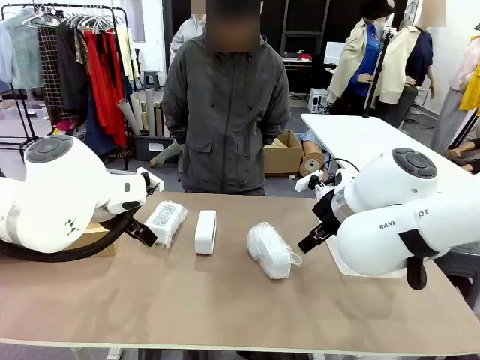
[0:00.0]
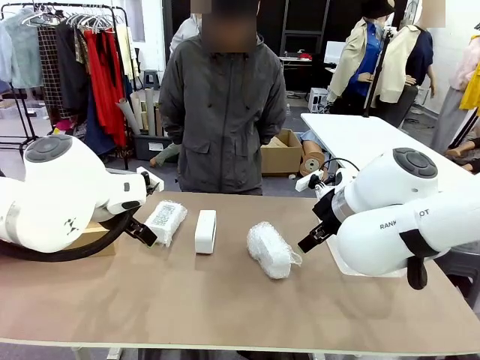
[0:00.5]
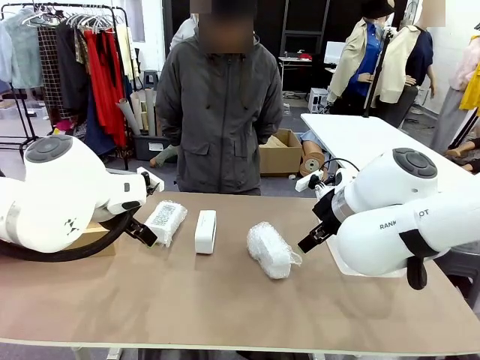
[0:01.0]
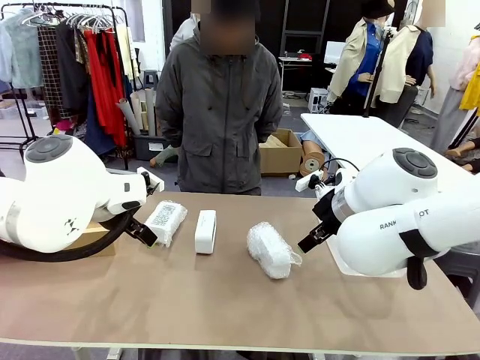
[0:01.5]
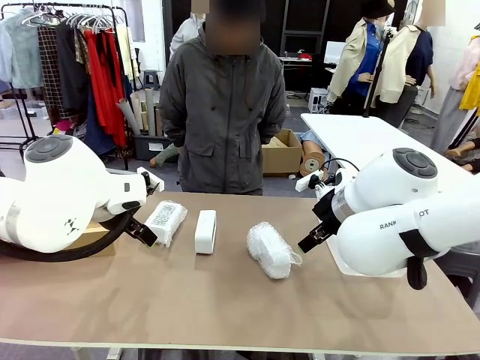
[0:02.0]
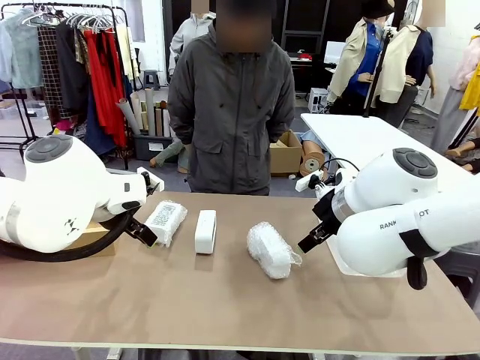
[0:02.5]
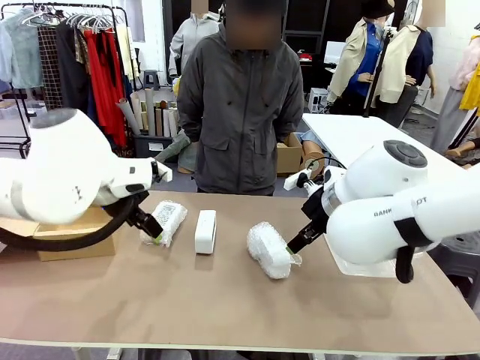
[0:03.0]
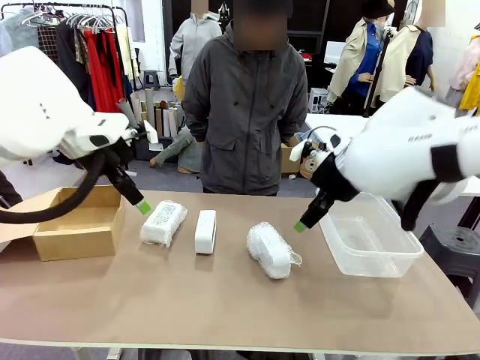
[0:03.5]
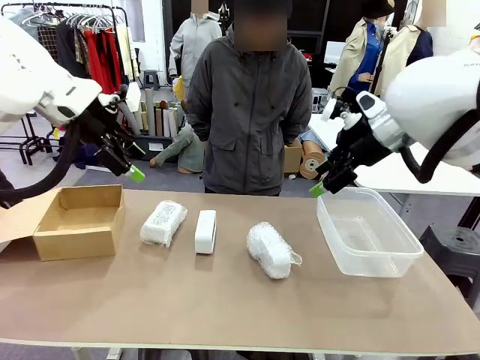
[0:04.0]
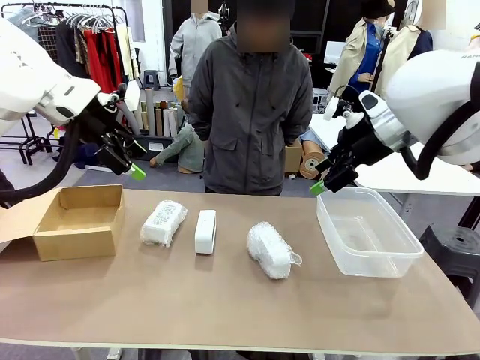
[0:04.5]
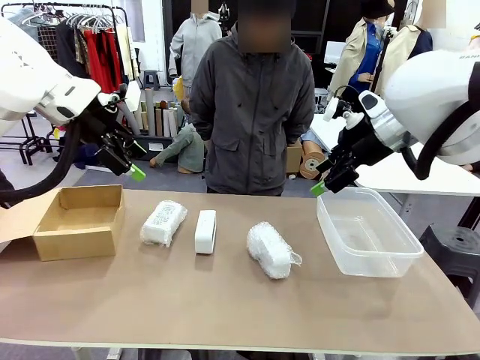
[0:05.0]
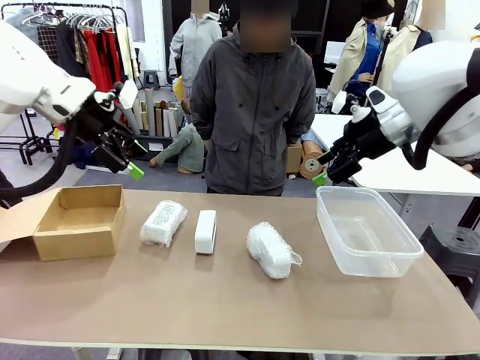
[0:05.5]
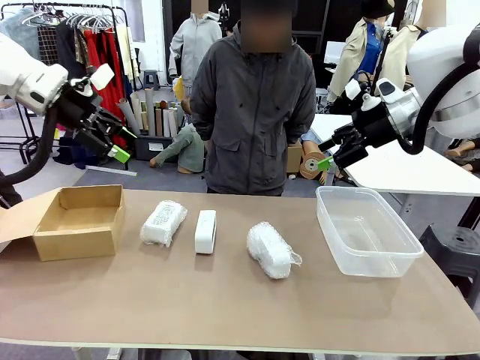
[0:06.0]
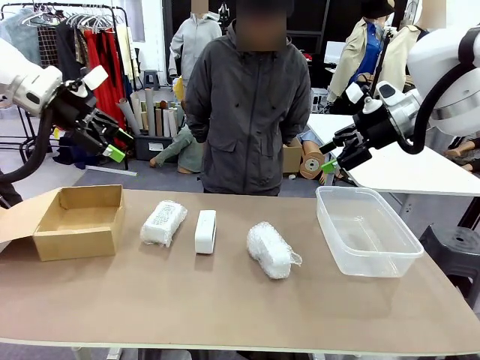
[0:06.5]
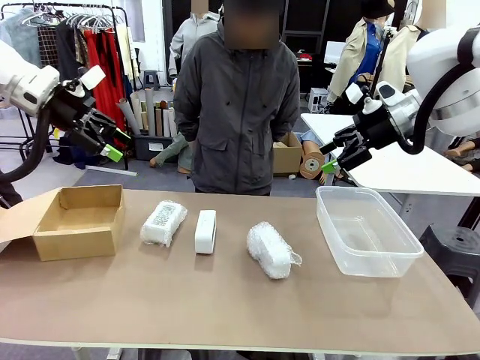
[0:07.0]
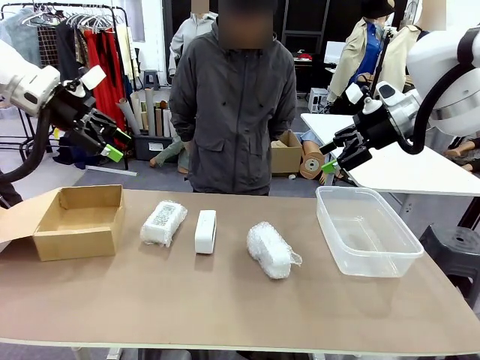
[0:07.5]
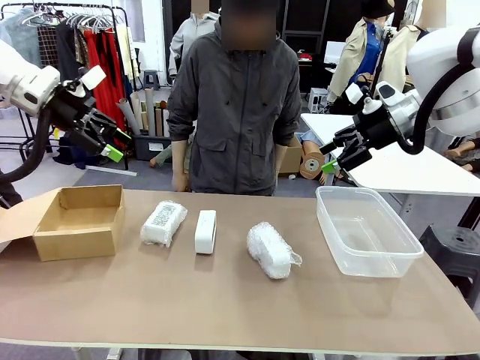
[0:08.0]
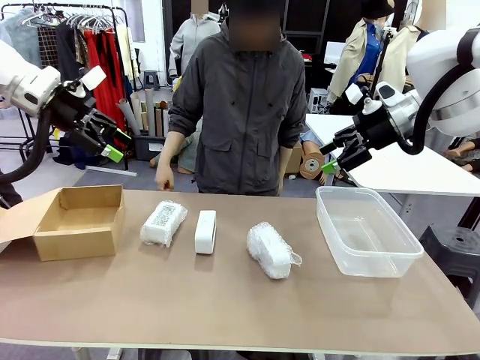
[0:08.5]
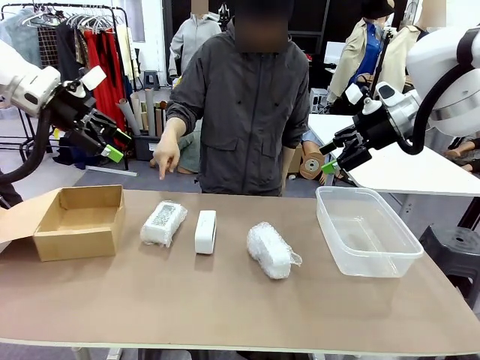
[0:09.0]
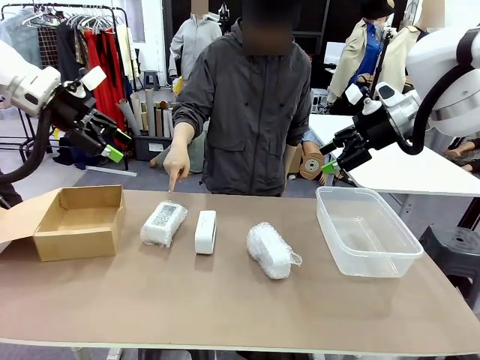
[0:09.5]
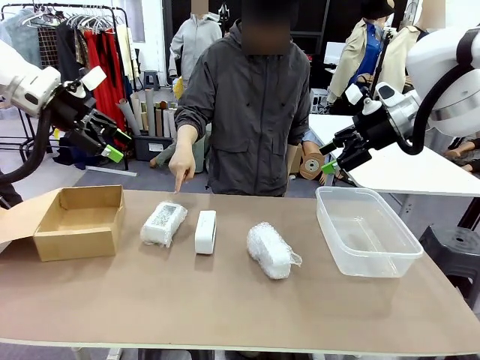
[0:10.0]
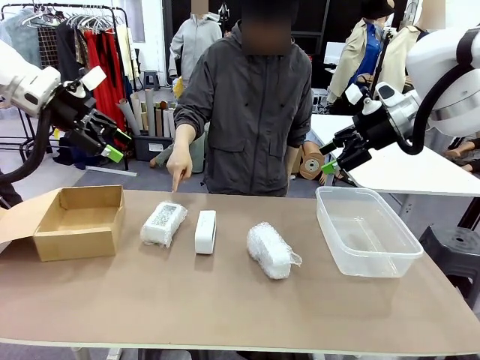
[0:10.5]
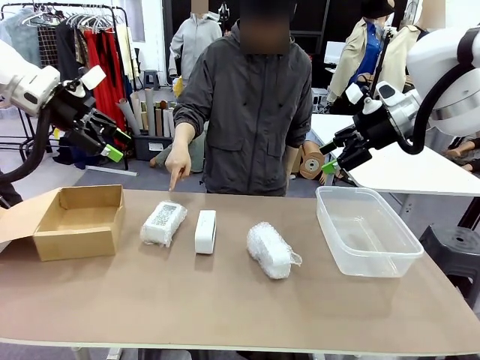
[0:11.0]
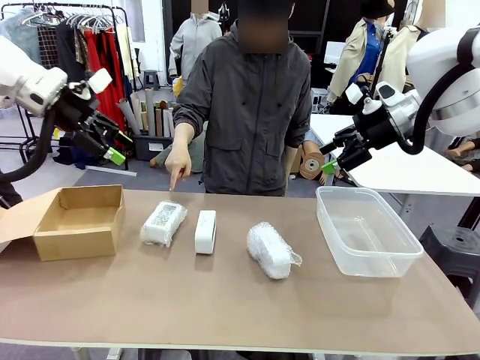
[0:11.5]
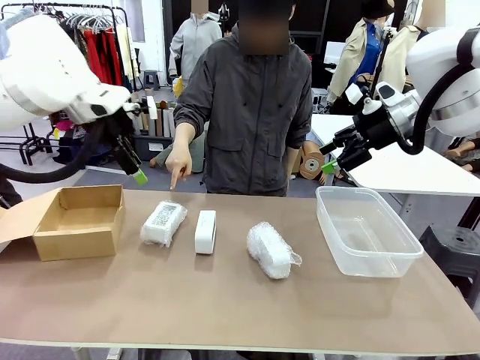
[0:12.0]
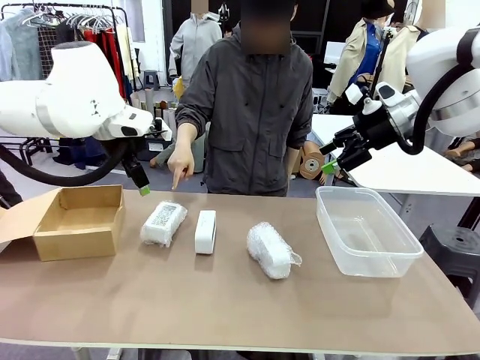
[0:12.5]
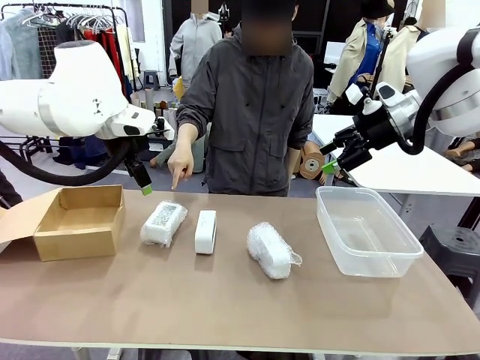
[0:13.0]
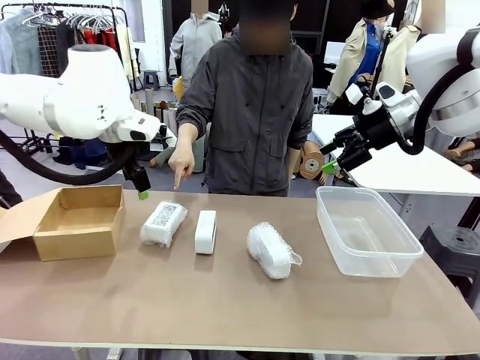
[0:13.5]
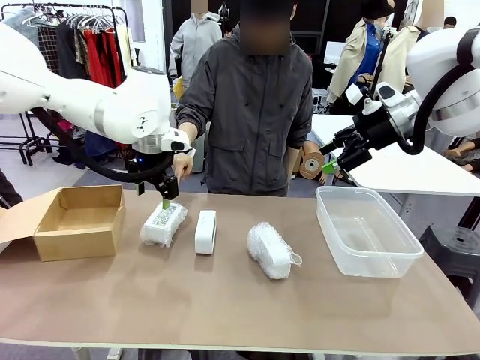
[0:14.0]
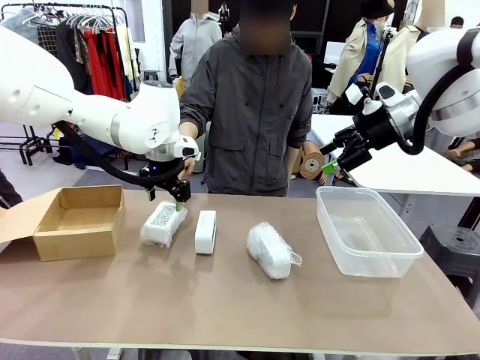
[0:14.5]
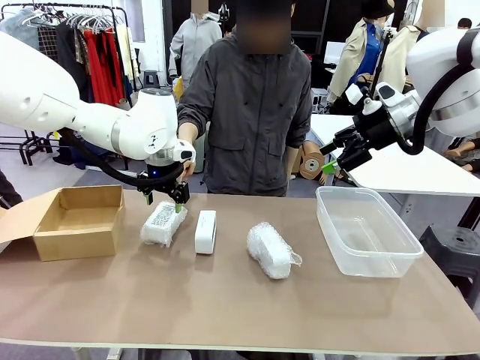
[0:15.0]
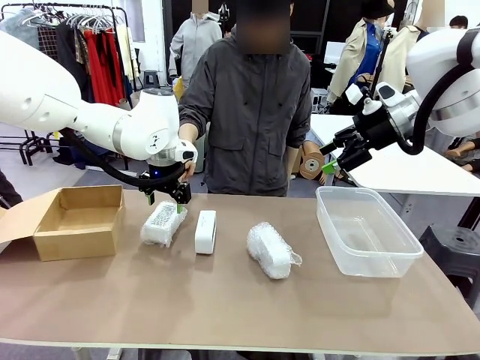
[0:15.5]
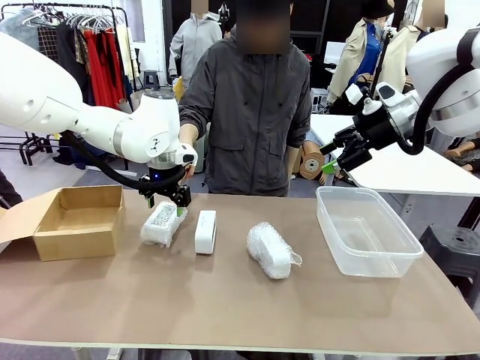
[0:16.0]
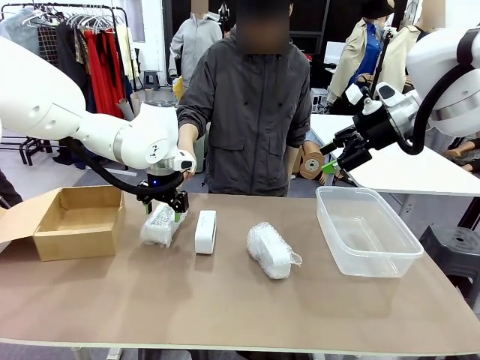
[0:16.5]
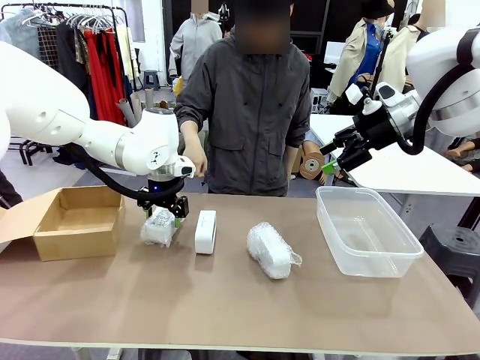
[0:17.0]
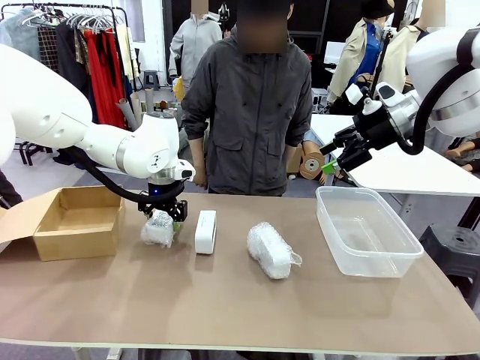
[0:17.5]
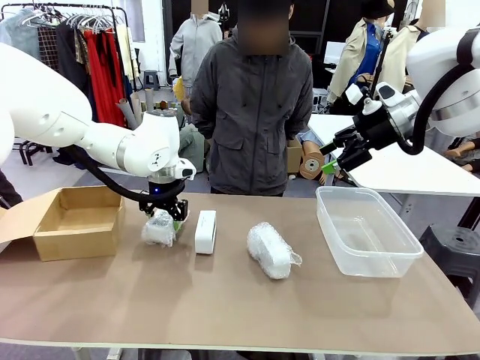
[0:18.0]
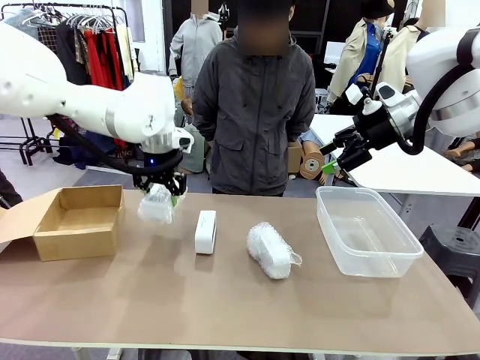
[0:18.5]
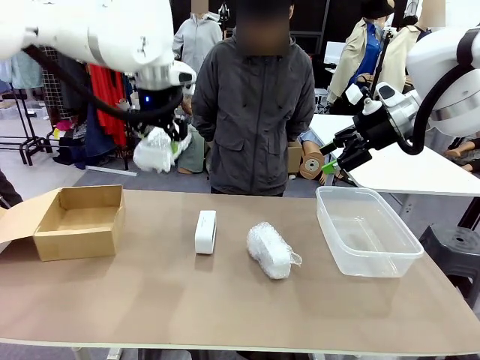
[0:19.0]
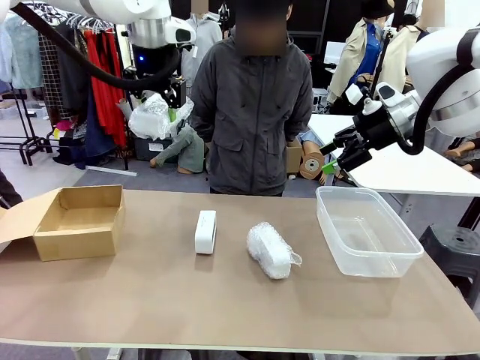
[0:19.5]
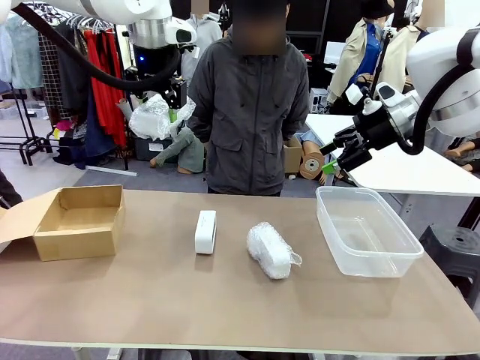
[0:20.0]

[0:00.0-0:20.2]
Task: Separate and place wrapped and unwrapped clocks.
Robot: Pick up the Digital clock indicated by the person.

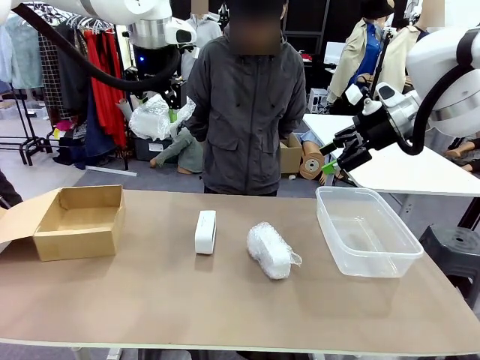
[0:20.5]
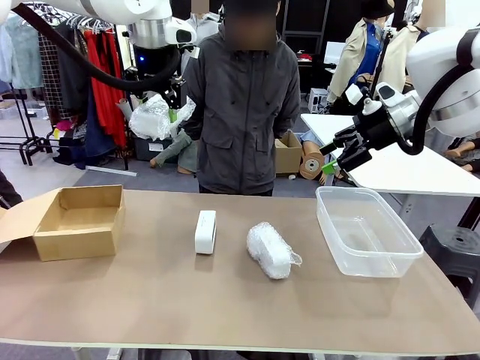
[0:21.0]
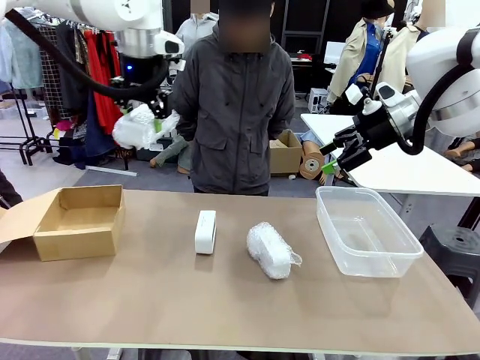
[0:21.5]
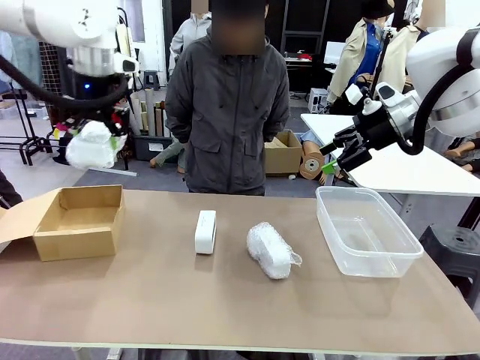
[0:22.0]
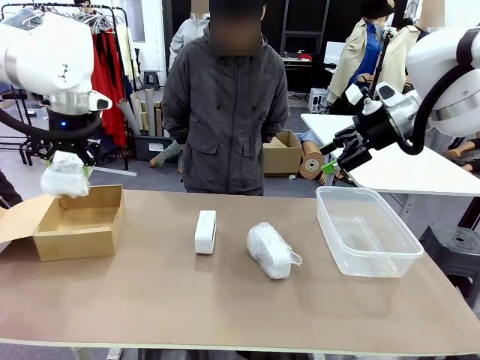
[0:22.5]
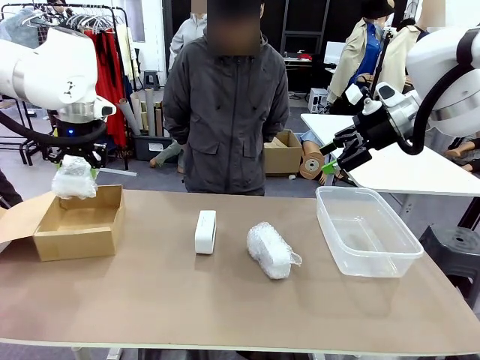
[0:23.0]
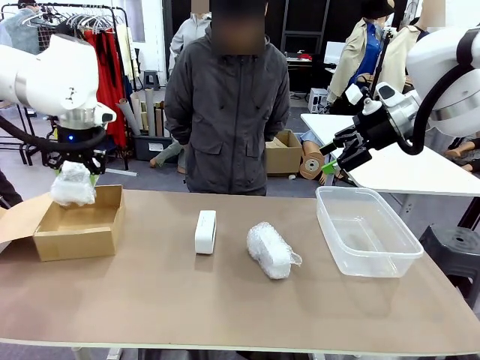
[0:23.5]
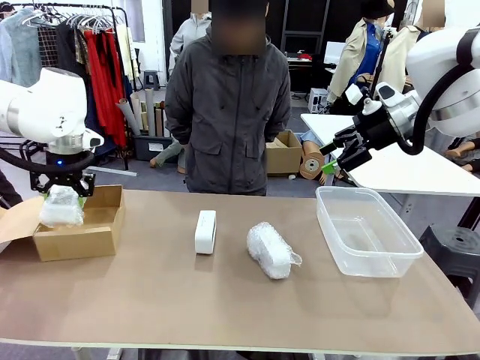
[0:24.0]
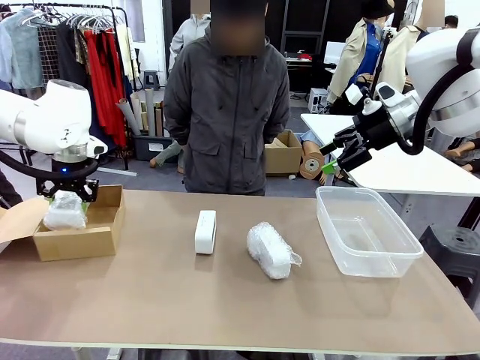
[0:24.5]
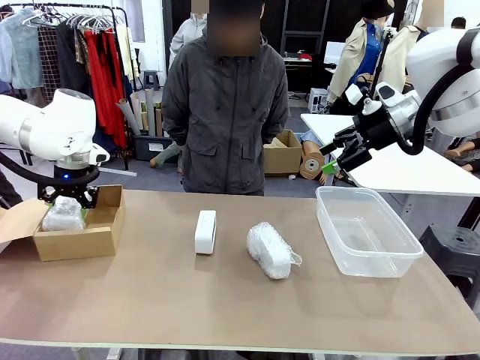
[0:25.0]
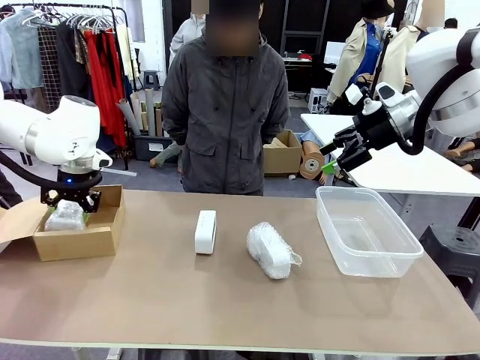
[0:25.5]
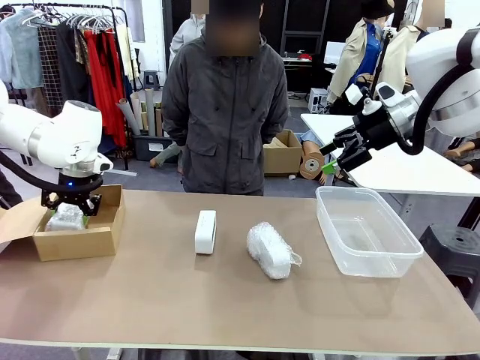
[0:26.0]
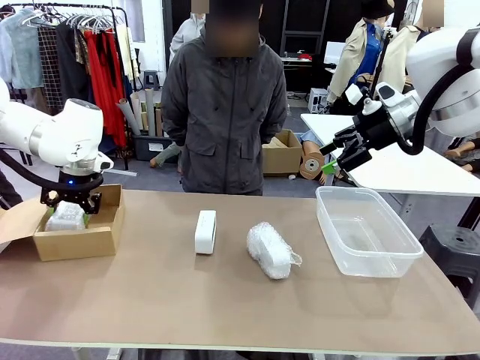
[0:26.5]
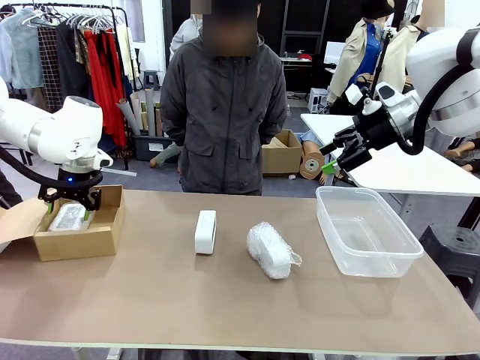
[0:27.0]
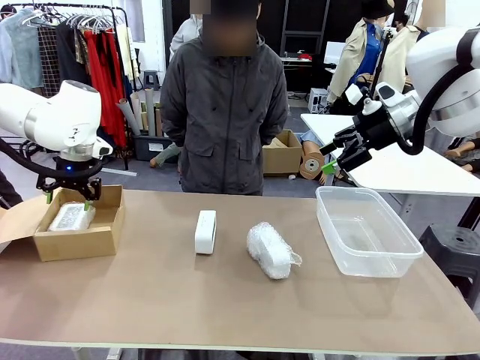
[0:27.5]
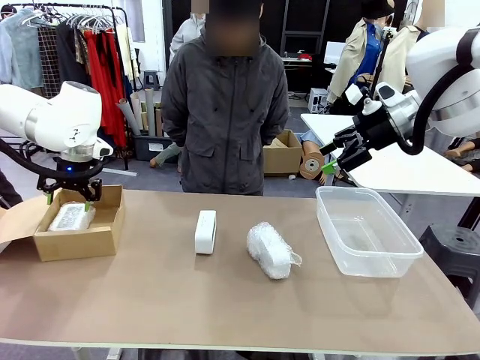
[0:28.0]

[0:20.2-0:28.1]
Robot: If the picked Digital clock is wrapped, place it in the Package Box ; if not, place it in the Organizing box.
